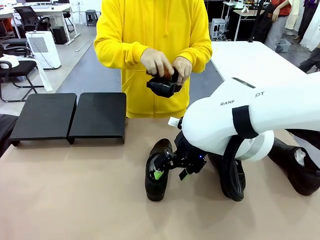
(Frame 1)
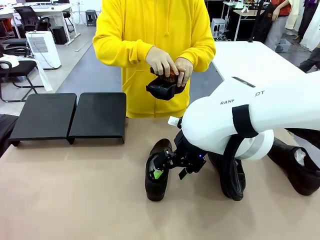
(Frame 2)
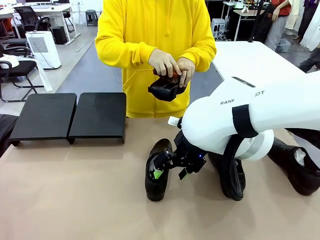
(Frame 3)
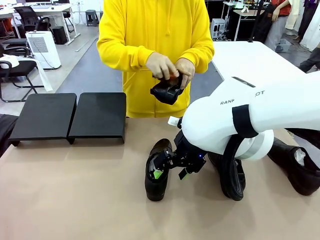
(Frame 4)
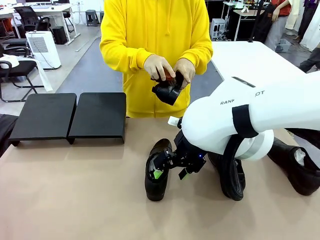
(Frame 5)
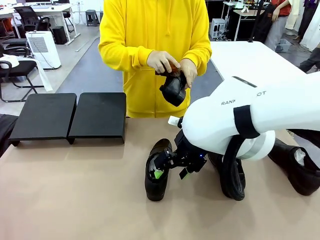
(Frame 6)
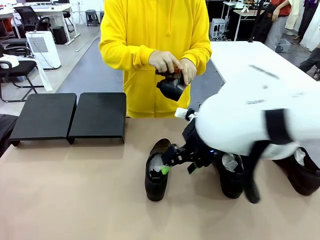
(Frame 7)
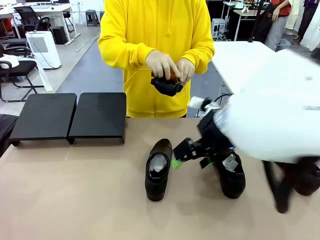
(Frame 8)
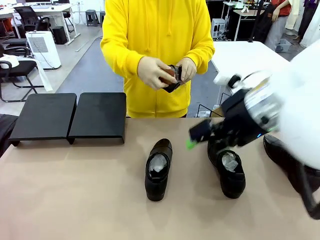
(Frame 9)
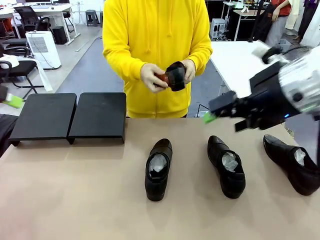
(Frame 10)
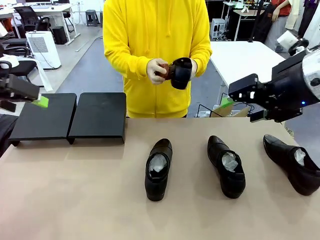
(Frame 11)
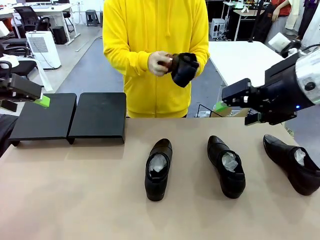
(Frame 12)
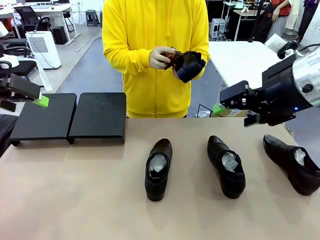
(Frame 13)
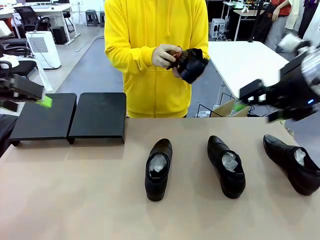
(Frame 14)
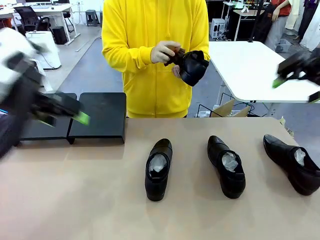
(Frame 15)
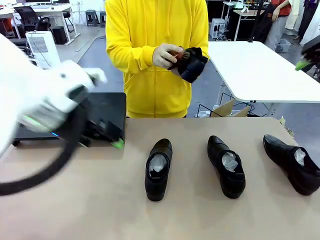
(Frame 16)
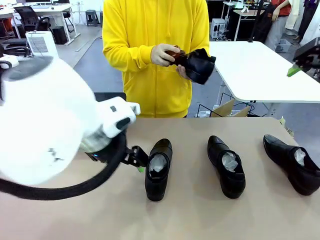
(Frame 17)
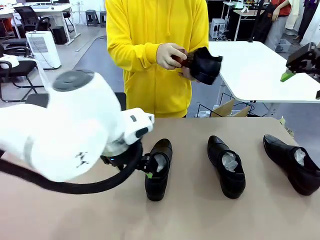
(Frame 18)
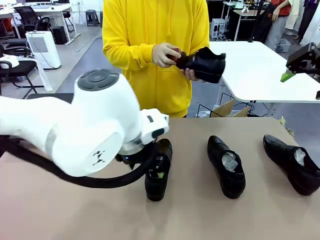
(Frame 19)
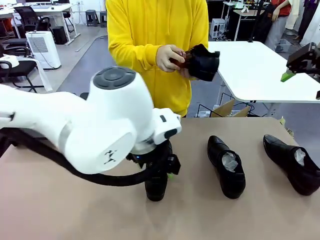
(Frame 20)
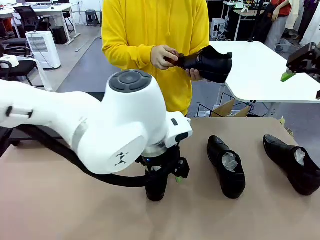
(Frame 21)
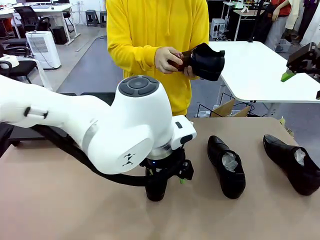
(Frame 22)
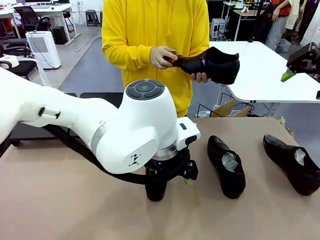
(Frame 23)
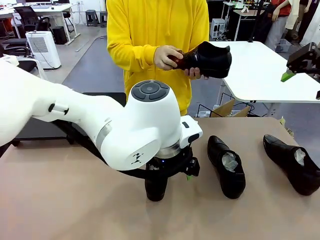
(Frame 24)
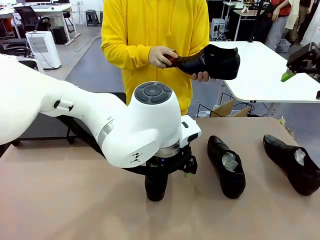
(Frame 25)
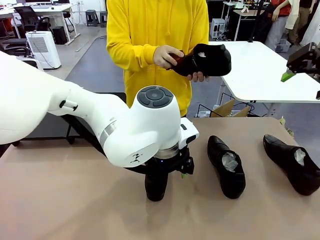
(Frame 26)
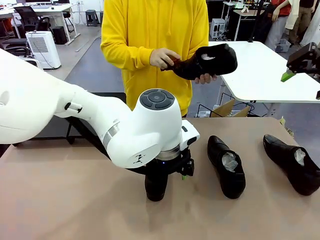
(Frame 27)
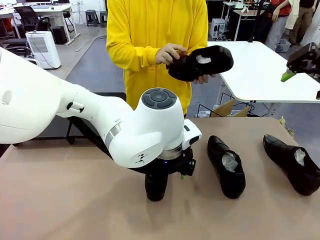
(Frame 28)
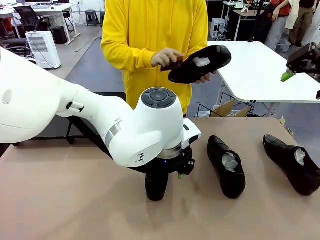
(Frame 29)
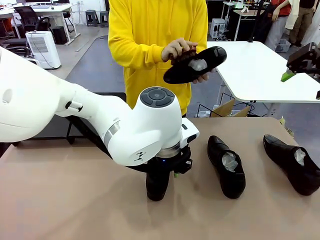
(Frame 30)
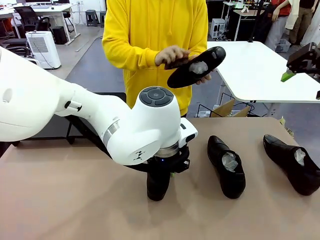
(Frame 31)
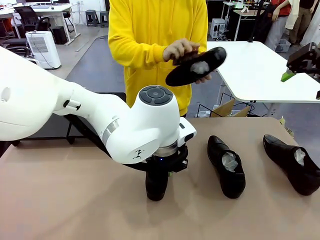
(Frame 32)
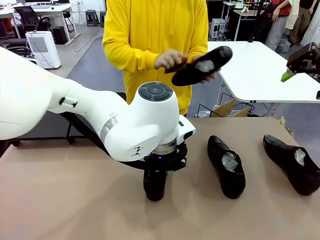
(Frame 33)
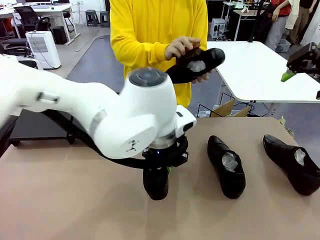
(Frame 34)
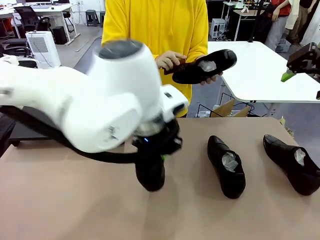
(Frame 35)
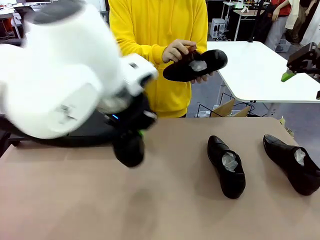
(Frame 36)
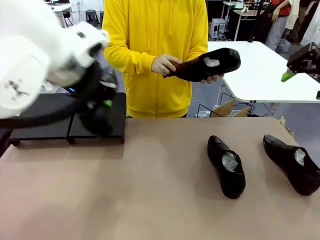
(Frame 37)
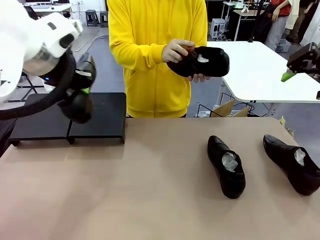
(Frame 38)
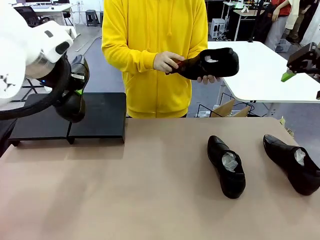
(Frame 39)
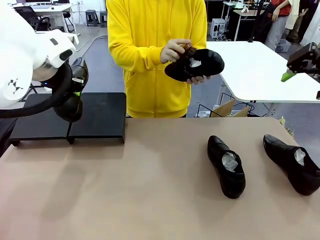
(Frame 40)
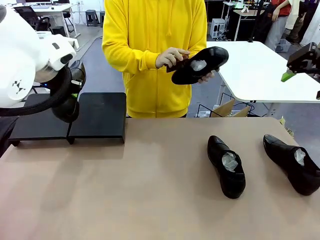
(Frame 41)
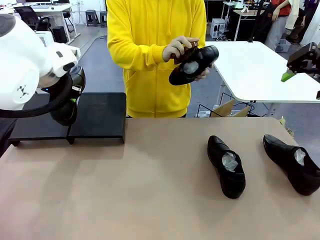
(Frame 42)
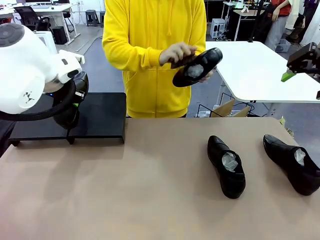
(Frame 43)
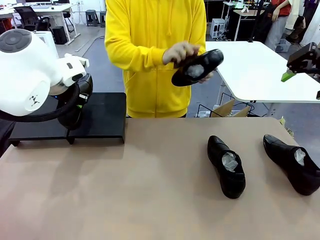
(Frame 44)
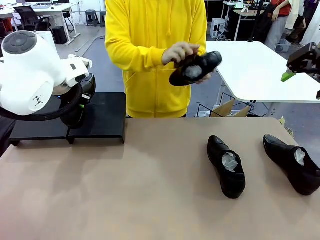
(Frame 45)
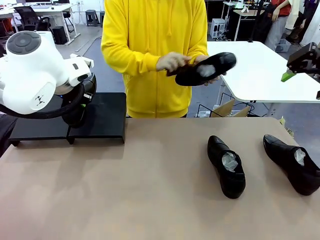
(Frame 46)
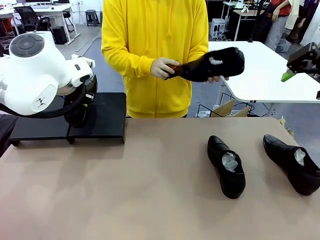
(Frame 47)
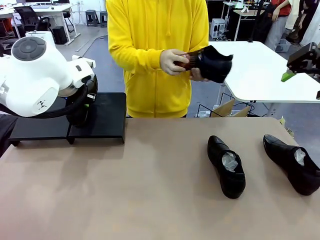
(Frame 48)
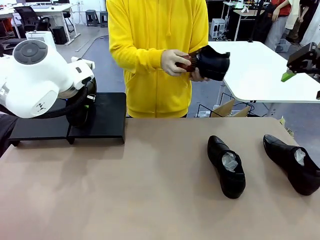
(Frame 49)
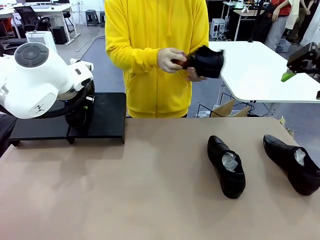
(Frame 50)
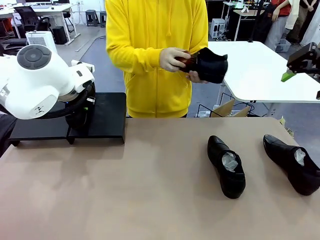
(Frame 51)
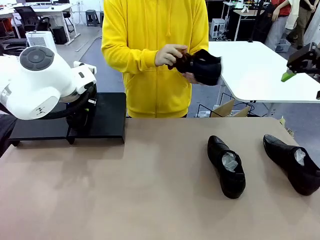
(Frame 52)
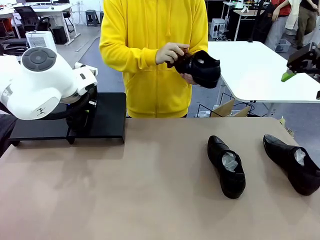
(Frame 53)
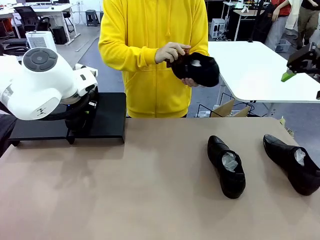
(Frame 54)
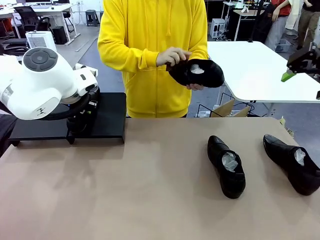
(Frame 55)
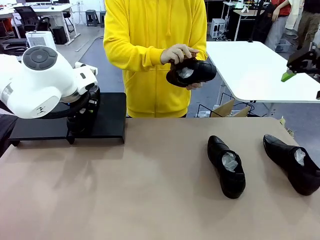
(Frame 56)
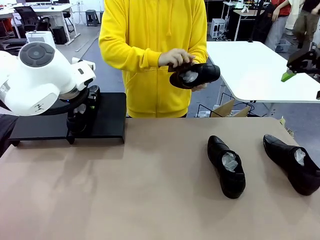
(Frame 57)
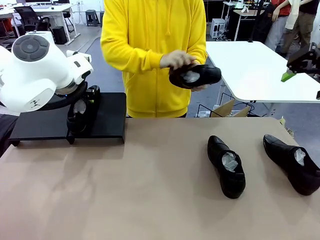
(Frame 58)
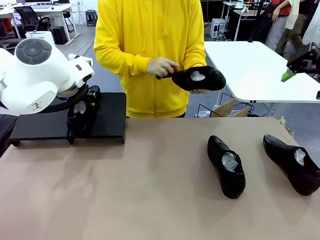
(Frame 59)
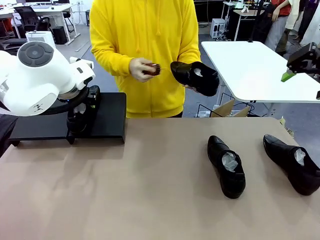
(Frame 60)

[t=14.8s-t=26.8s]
Task: Organize the shoes by placing them on the stand.
Robot: Place the Shoe from the middle of the table onto the Shoes Stand.
Person: Clean the Shoe with the Shoe Brush.

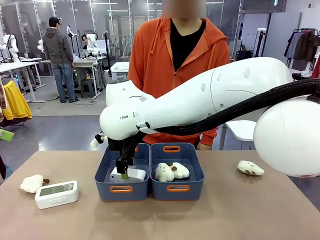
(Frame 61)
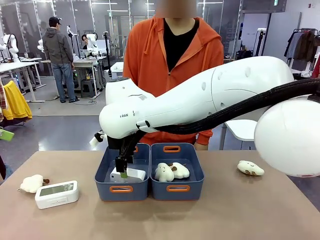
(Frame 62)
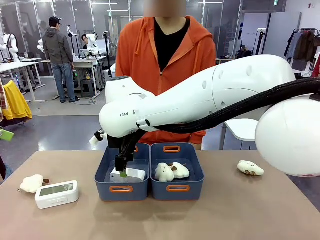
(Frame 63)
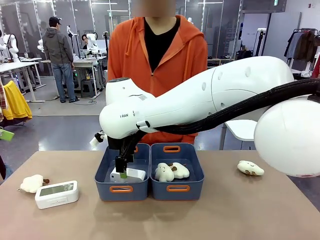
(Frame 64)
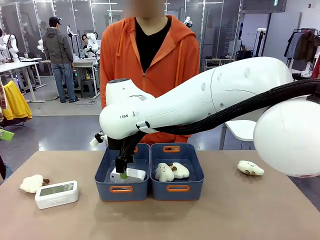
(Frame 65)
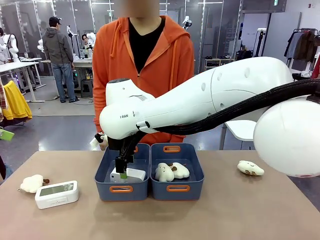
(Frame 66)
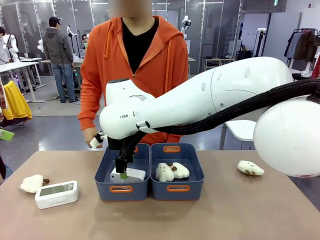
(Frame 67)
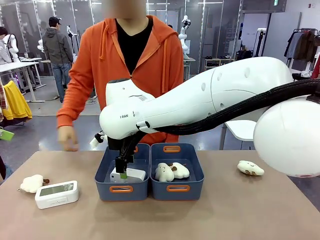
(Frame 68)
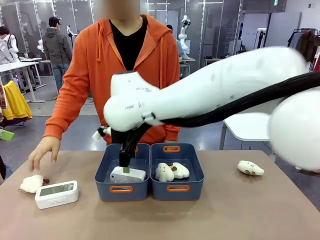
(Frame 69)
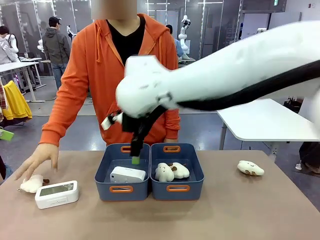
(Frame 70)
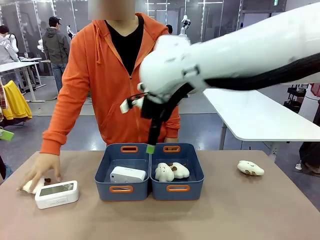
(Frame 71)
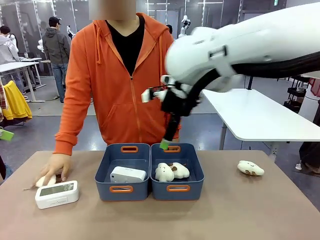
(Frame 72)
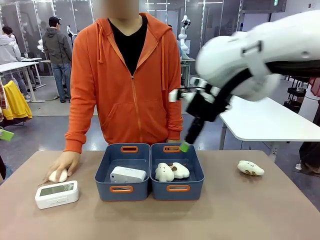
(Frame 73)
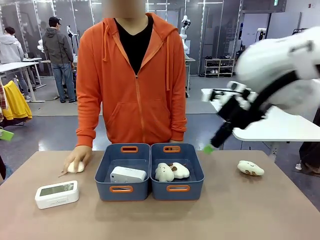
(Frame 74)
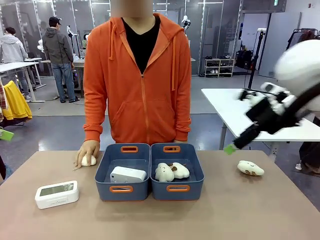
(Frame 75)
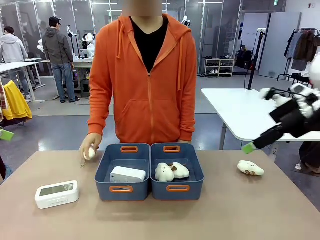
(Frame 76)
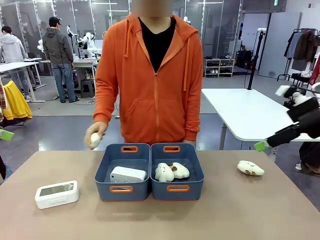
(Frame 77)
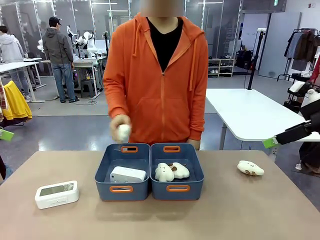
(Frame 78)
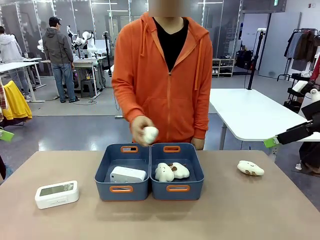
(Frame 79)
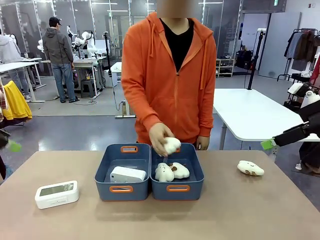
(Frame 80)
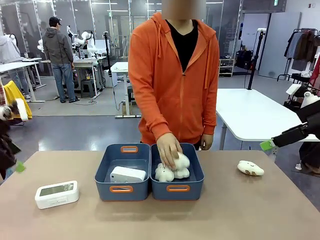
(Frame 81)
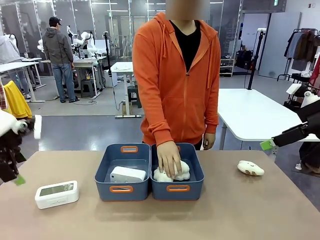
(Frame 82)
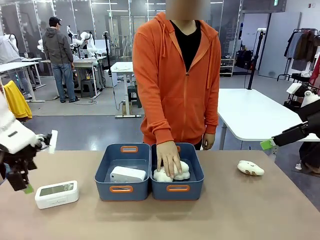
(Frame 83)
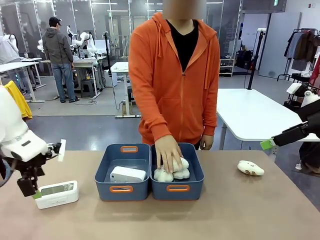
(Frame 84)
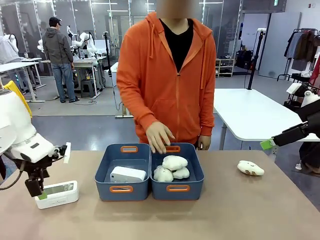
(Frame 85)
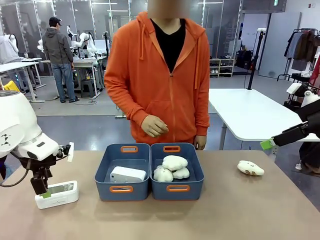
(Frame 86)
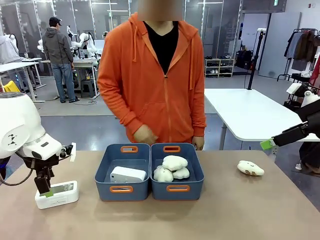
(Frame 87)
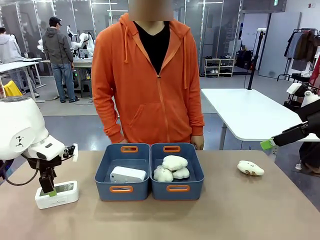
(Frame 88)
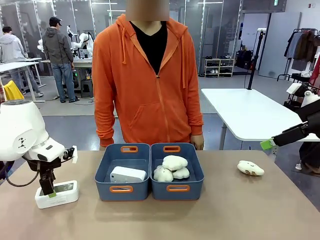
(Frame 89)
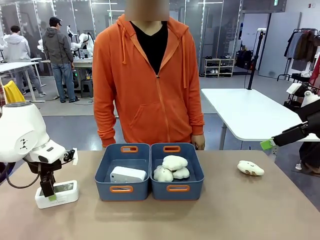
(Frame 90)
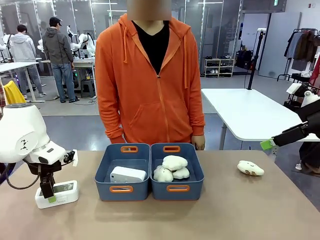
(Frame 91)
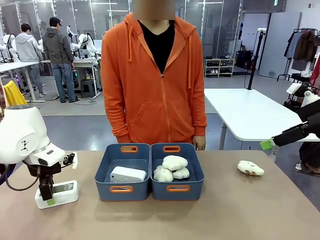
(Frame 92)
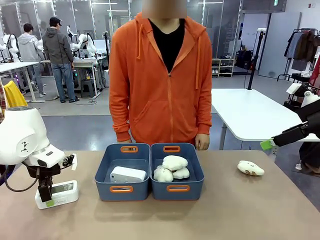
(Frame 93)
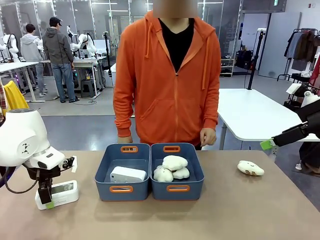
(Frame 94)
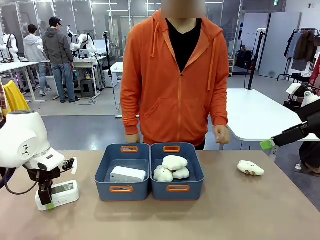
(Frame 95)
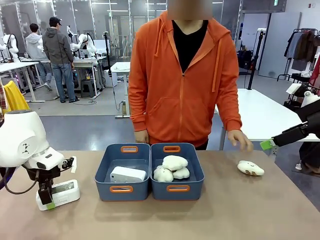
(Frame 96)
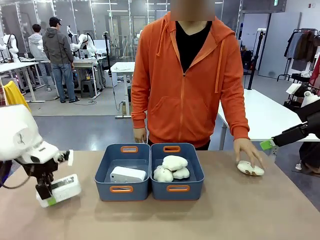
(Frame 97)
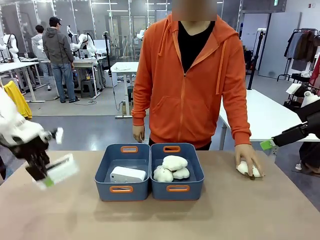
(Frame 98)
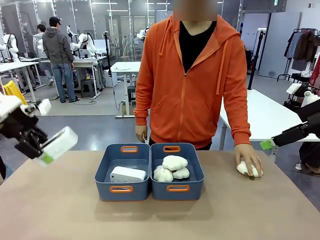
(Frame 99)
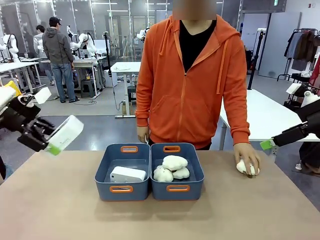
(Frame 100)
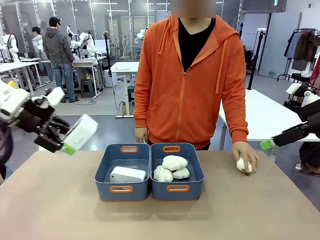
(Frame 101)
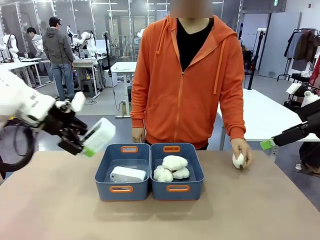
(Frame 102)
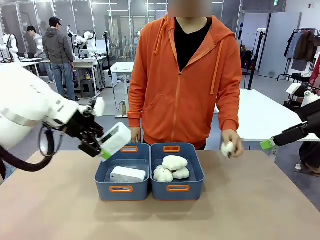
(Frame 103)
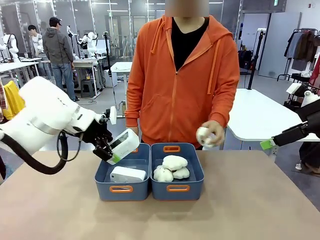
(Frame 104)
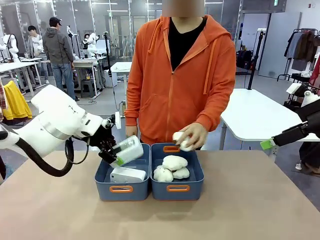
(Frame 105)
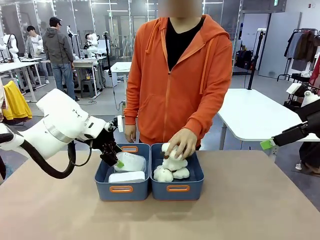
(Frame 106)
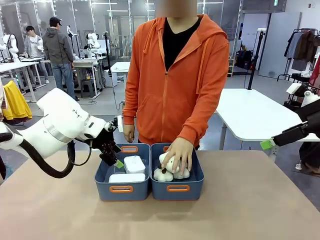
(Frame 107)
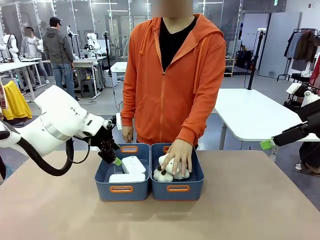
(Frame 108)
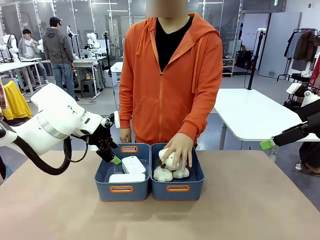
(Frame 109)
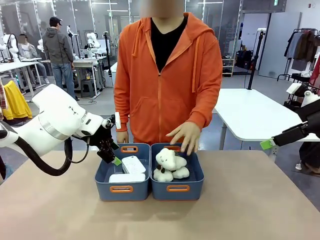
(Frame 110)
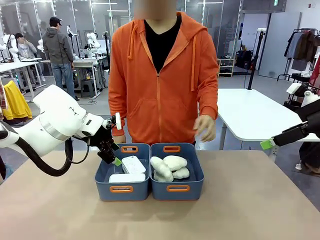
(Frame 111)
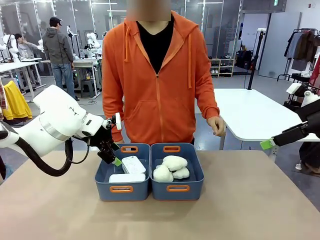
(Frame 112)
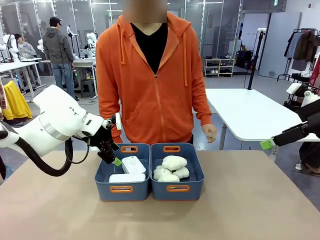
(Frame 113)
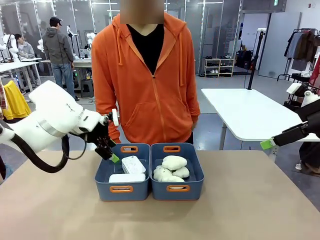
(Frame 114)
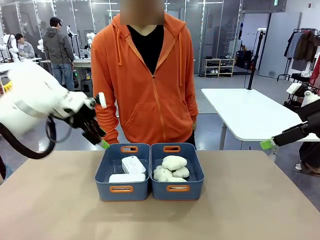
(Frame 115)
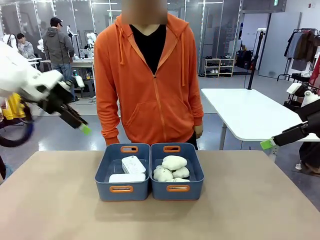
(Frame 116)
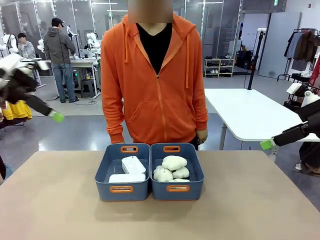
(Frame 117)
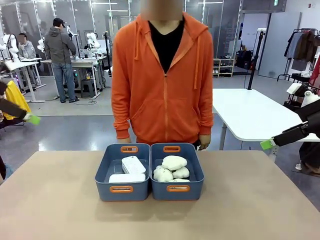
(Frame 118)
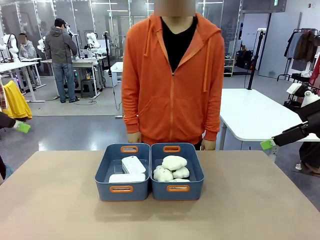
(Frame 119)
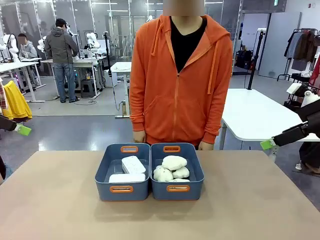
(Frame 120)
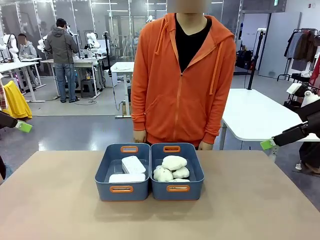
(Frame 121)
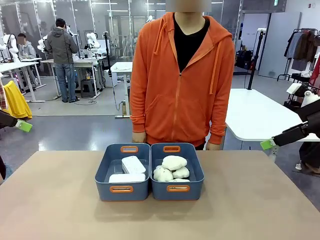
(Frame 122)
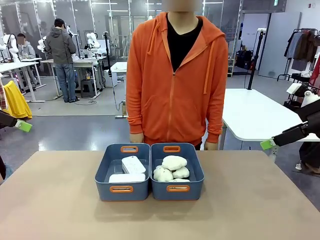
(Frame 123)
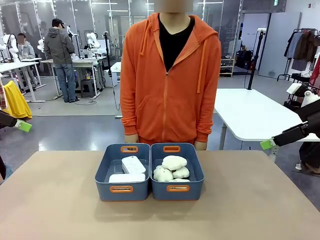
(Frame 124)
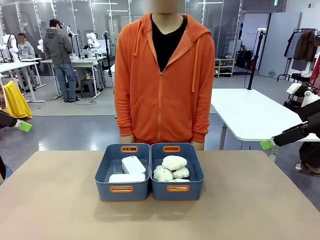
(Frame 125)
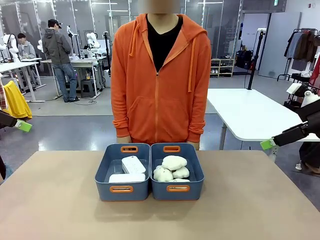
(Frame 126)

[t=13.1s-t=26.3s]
Task: Sort the digital clocks into the basket.
Robot: Pick up the Digital clock from the table and place it into the empty Plastic storage basket.
Person: Pick up a plush toy from the table and place it in the plastic storage basket containing the plush toy.
